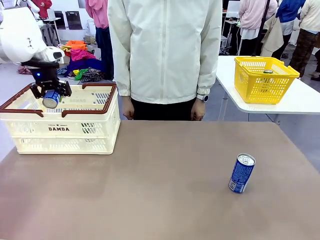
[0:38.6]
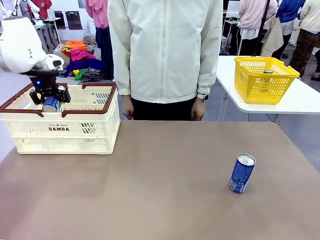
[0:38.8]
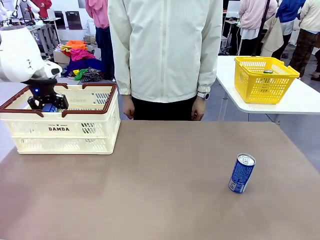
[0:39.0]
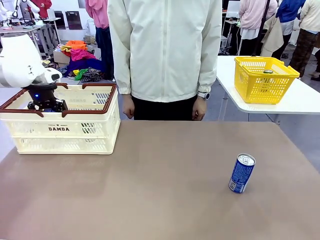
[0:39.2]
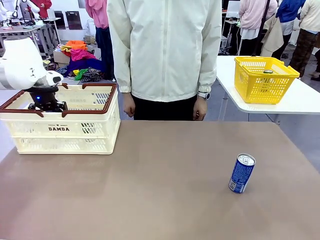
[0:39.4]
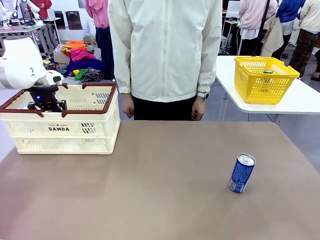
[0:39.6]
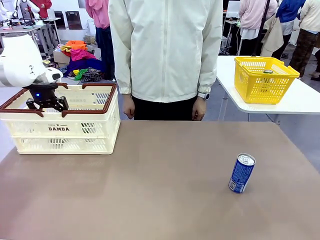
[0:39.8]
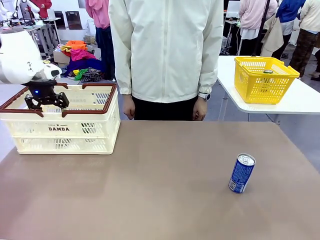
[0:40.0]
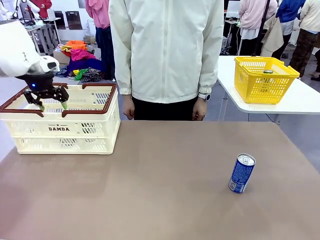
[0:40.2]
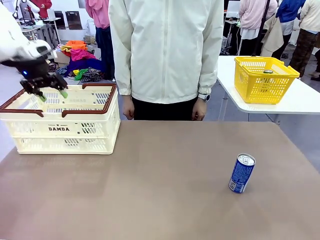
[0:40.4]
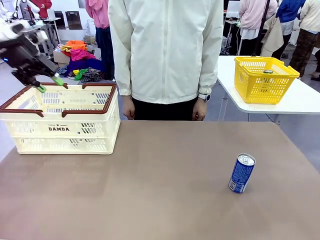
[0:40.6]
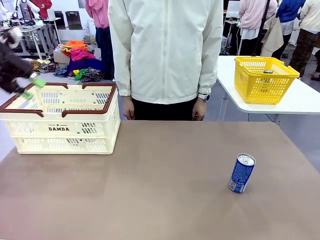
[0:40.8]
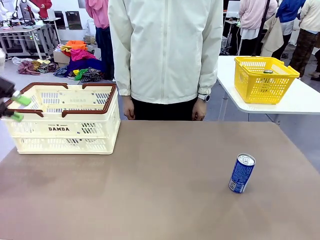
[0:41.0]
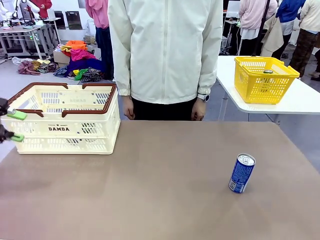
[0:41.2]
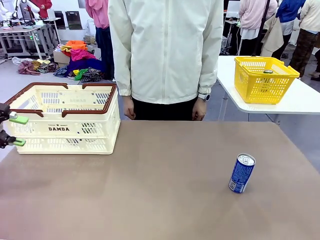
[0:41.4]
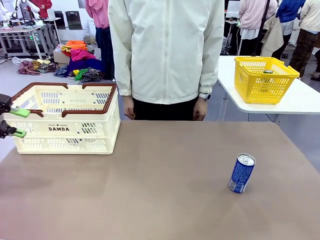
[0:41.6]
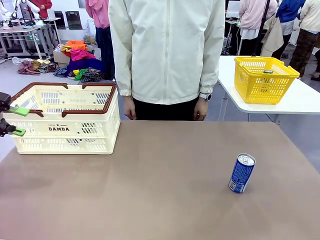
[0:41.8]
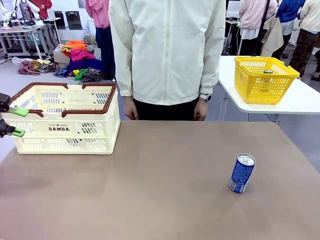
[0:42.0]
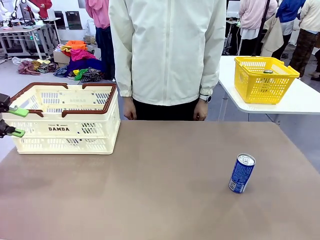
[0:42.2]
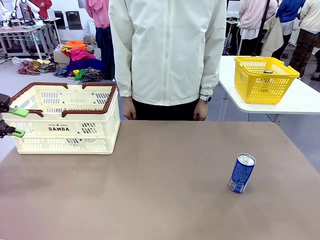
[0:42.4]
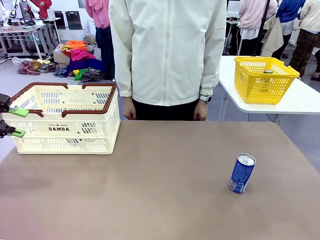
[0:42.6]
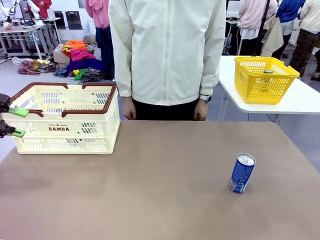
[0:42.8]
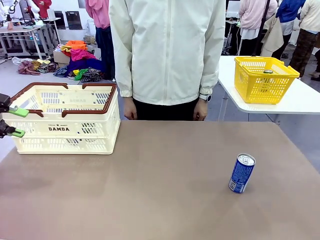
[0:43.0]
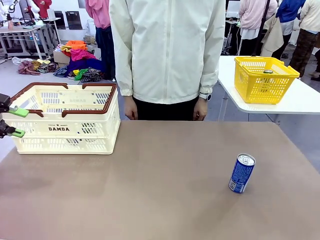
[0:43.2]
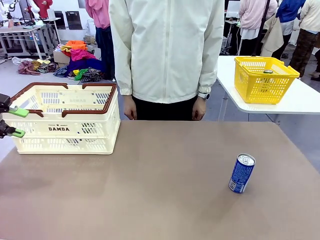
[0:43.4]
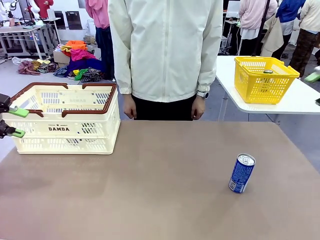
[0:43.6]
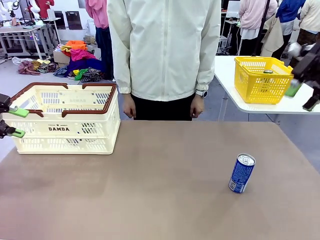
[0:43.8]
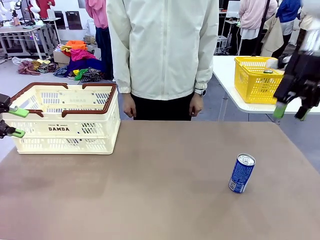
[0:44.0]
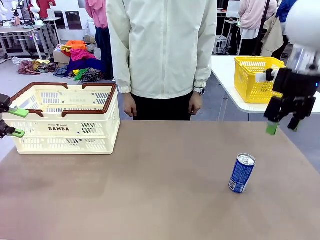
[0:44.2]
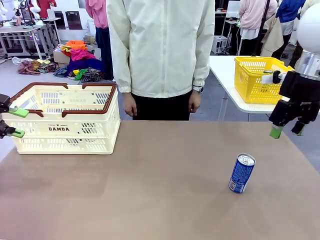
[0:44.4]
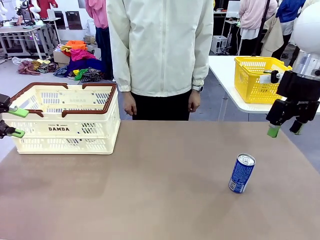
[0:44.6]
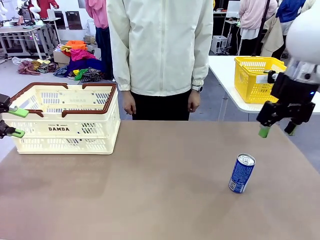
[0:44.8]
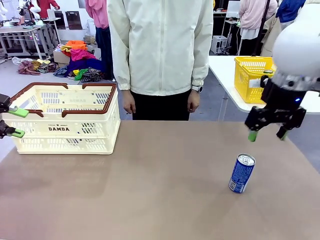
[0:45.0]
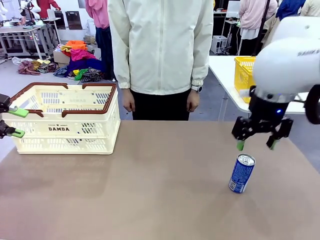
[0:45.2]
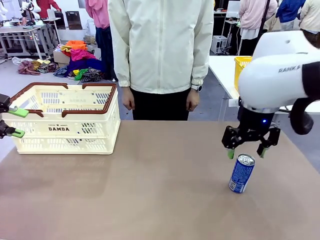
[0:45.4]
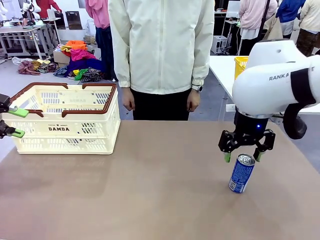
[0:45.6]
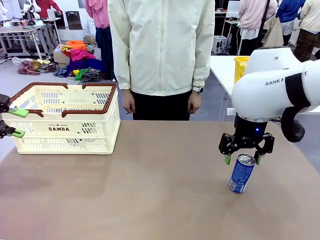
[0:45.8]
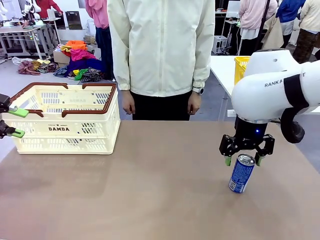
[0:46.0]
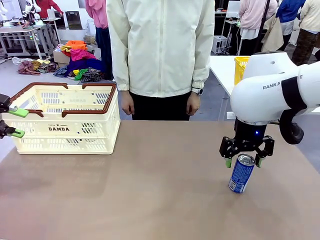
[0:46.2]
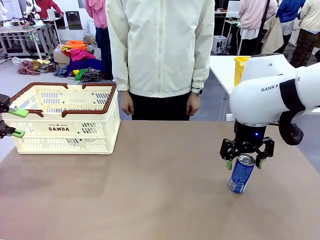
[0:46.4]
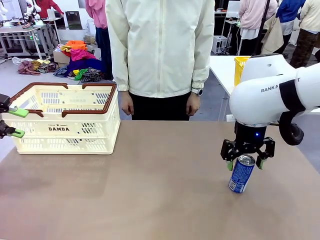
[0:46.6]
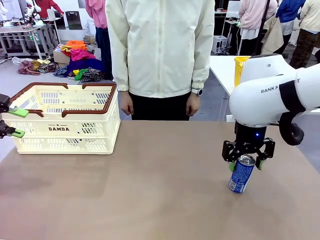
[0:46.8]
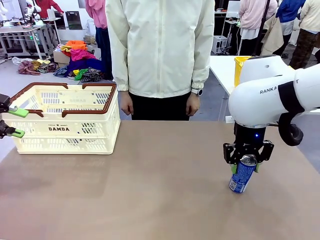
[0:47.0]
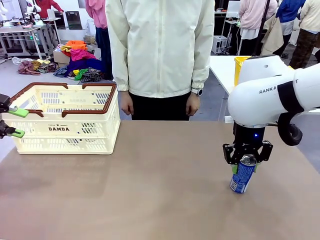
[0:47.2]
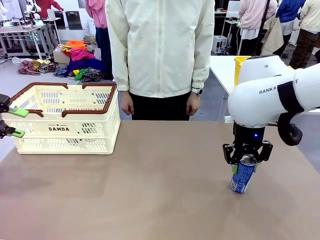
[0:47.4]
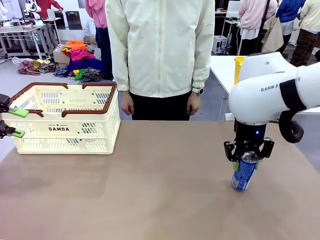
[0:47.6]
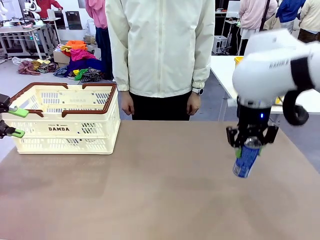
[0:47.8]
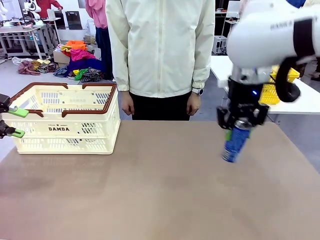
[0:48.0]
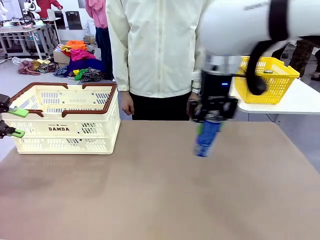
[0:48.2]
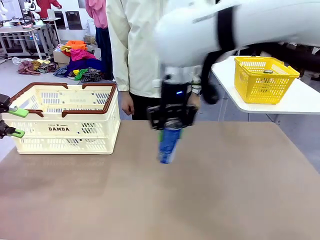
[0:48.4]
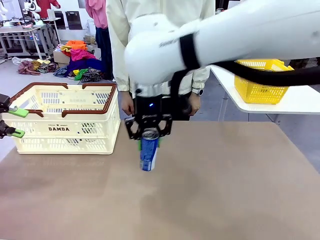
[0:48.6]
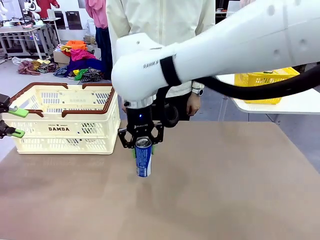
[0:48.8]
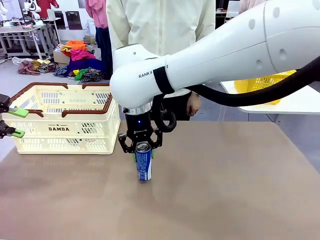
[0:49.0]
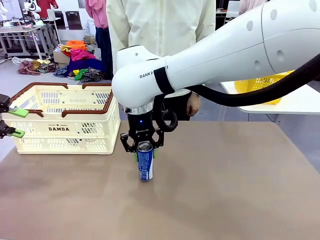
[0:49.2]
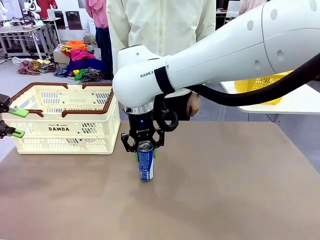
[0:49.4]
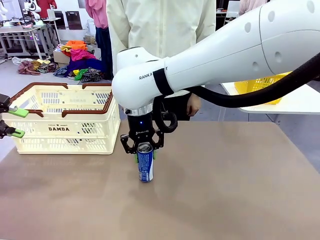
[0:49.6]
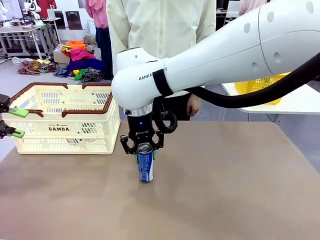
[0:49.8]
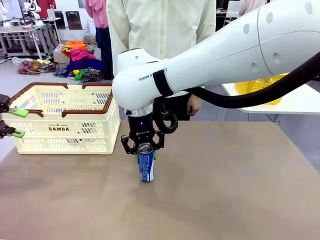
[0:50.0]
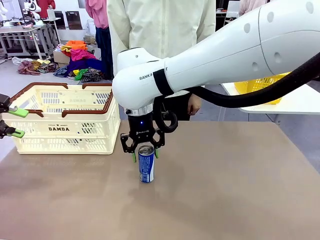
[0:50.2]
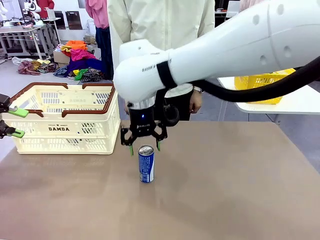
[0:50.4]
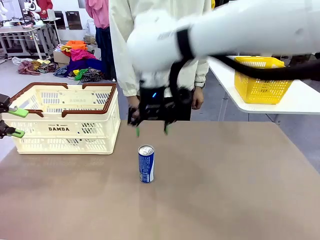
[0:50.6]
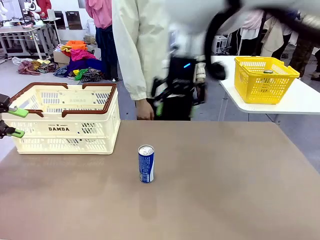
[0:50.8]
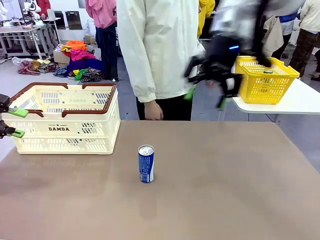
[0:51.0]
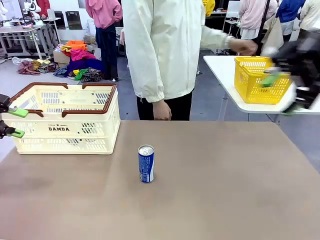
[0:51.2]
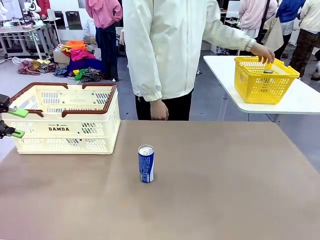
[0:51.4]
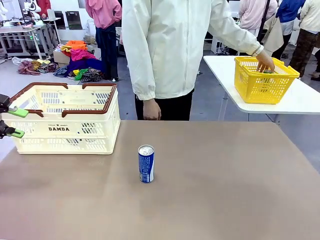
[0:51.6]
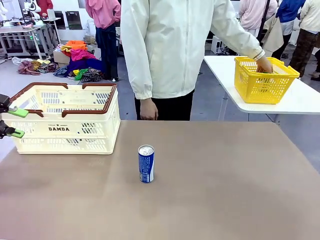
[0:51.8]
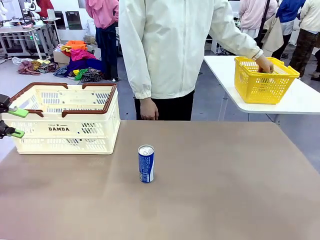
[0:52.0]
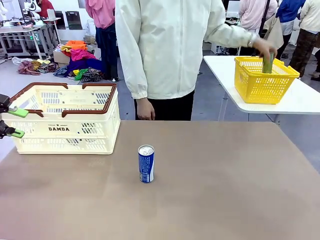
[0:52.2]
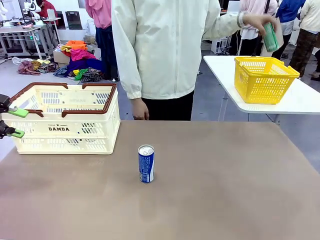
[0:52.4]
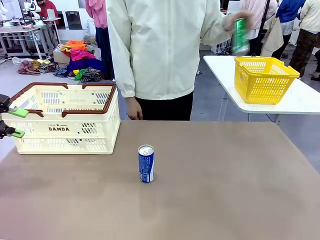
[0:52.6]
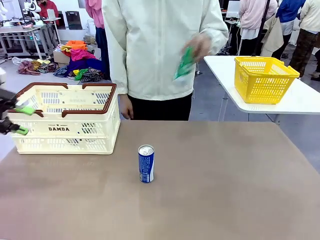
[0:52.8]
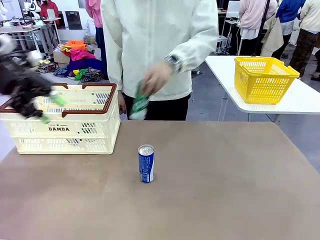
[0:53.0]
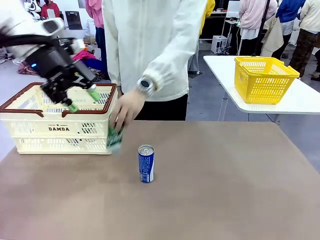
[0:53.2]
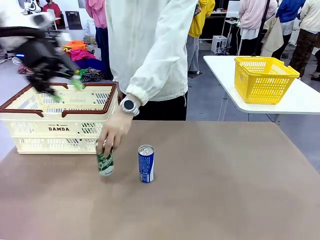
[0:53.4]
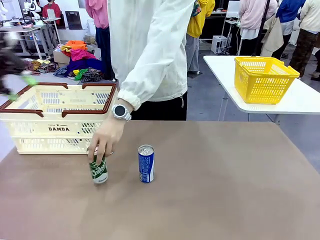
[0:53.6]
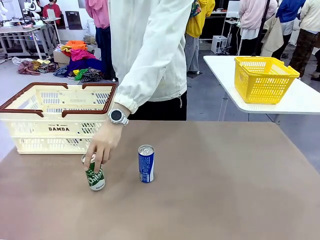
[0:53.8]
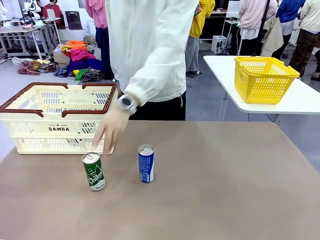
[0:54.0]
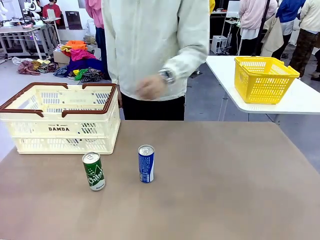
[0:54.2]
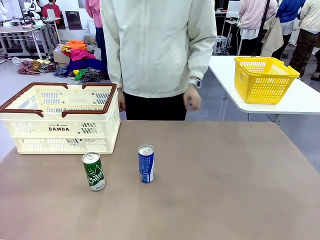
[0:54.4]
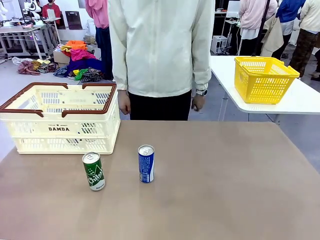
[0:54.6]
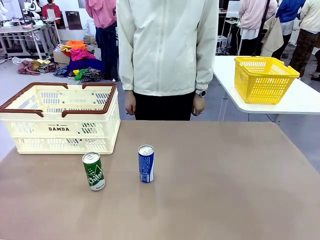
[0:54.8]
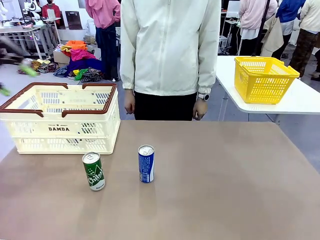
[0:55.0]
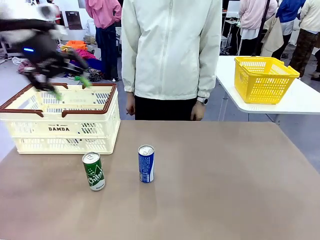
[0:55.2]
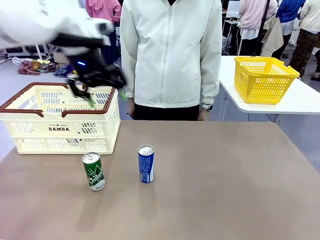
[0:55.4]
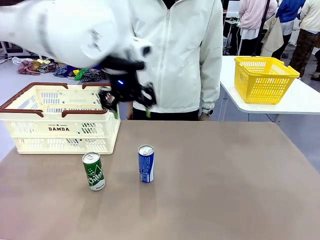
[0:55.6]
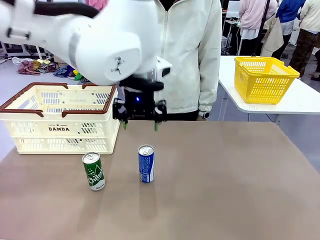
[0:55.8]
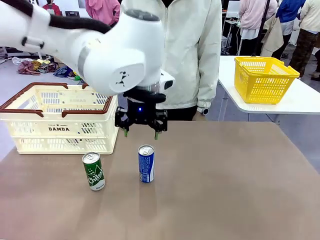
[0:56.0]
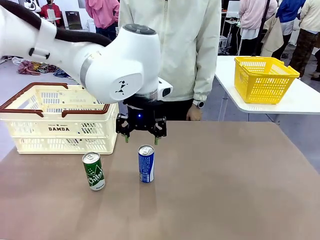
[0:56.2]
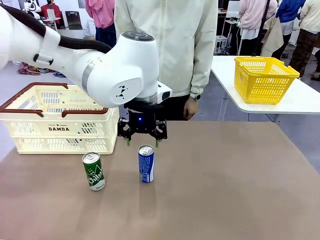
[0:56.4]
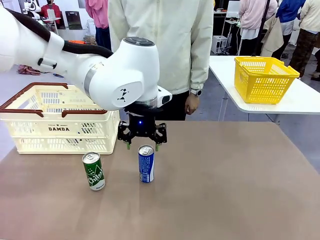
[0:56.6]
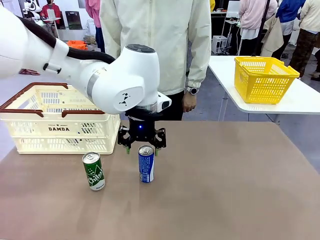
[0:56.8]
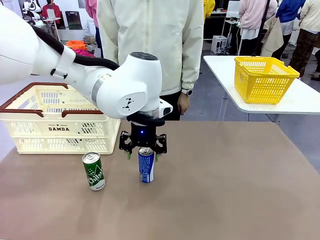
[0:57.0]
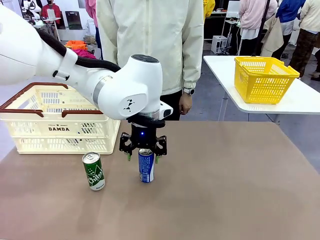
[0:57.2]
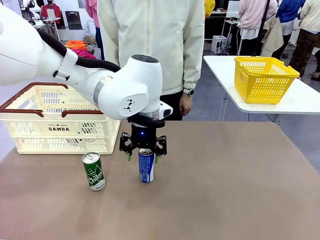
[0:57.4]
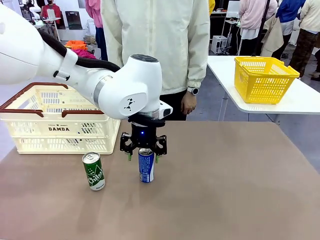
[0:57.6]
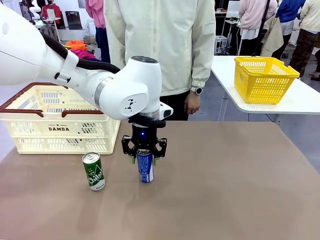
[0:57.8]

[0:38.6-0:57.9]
Task: Place the drinks into the Shopping basket.
Robot: Pick up one drink and place it into the Shopping basket.
